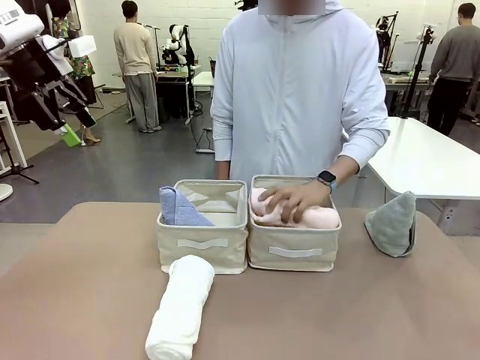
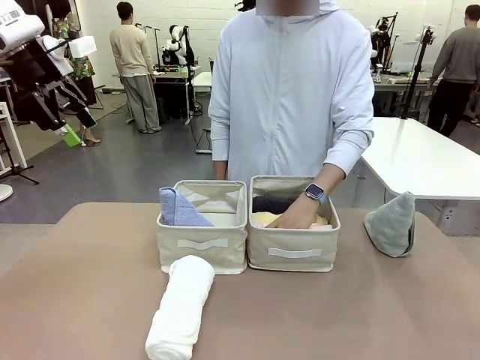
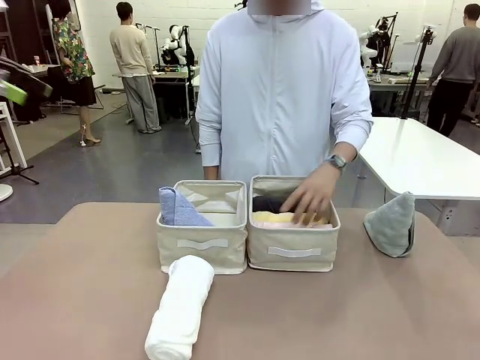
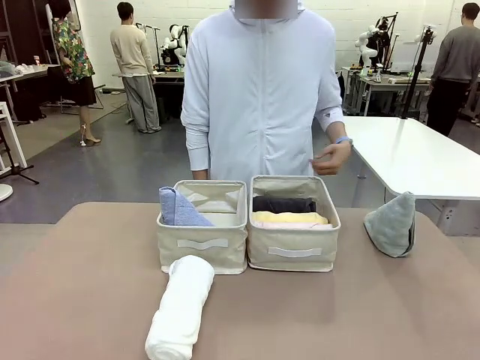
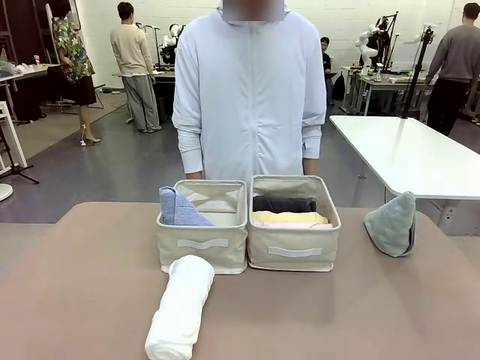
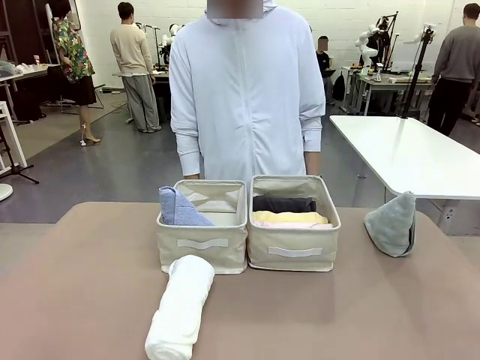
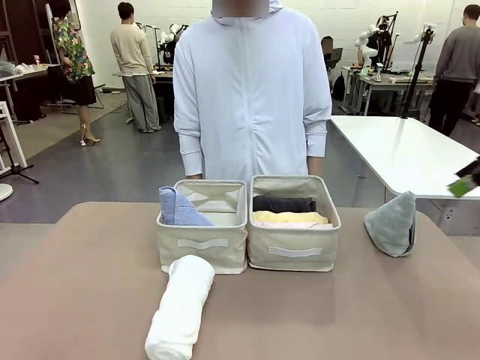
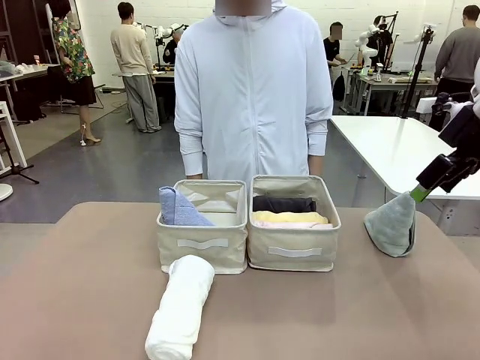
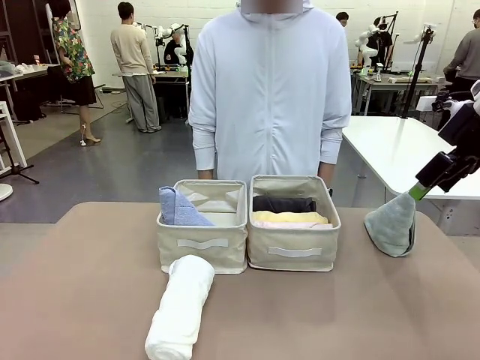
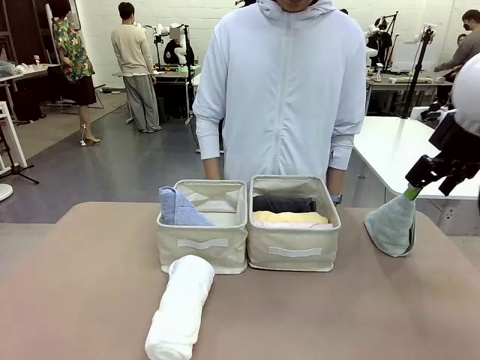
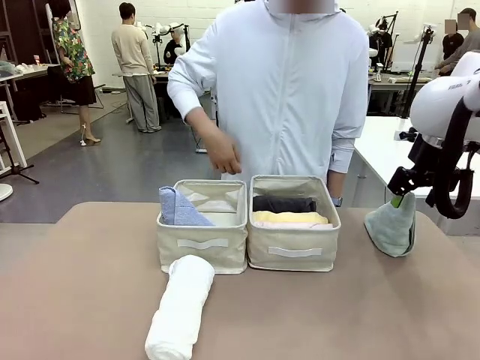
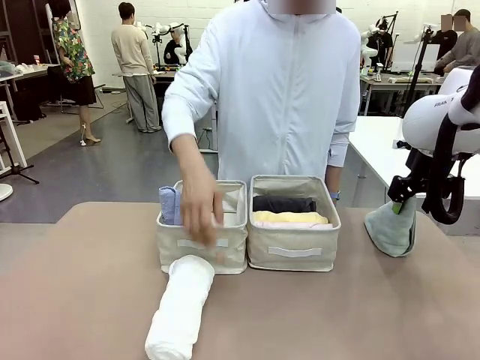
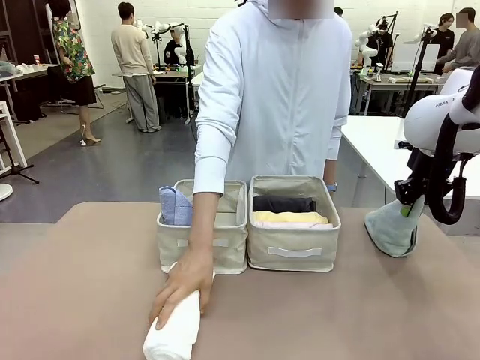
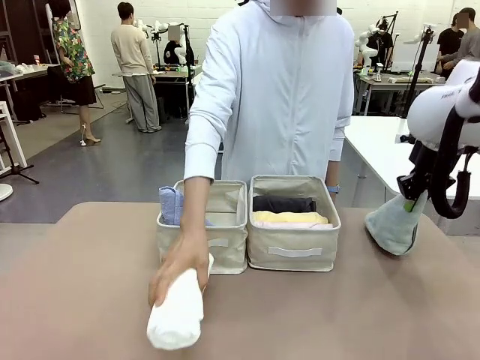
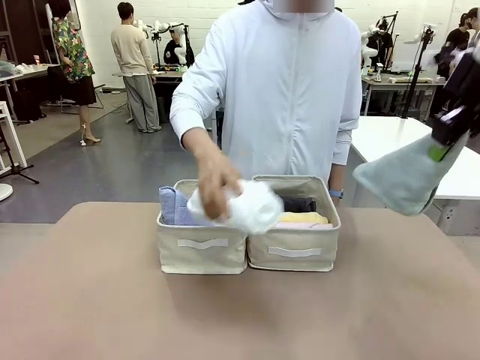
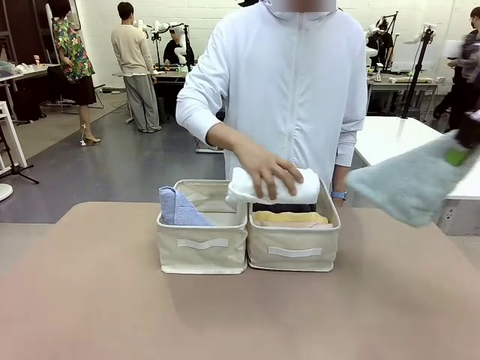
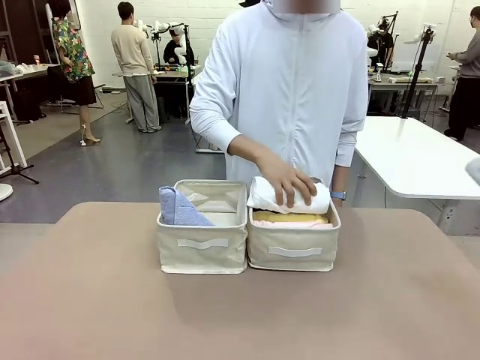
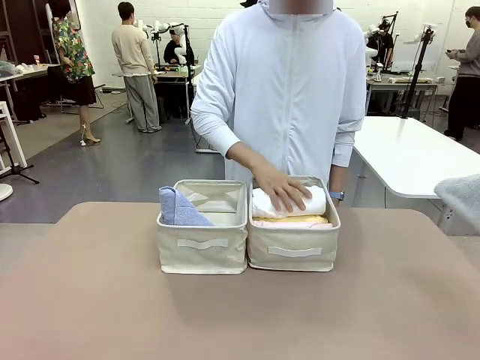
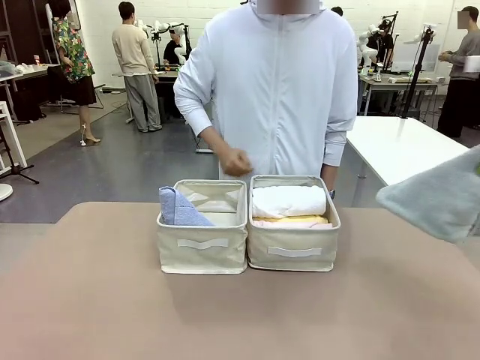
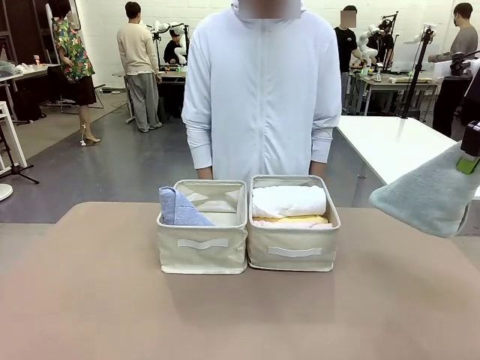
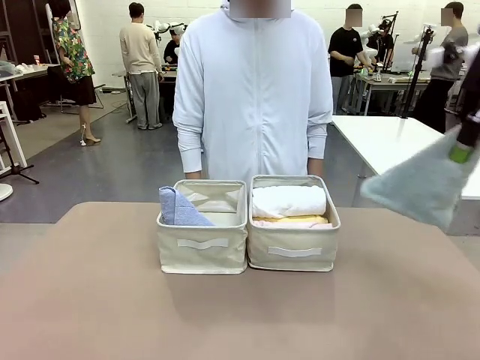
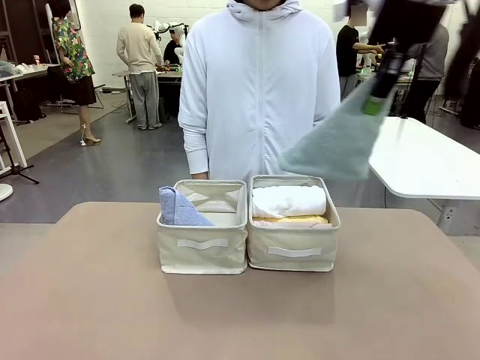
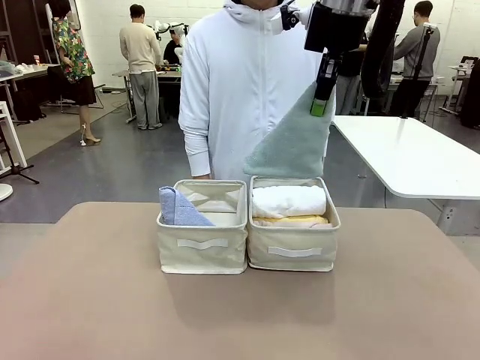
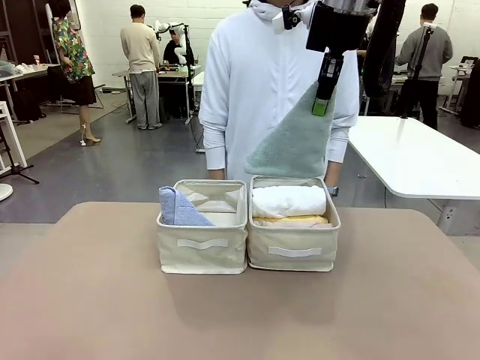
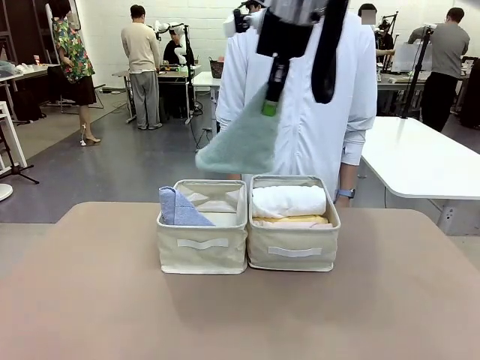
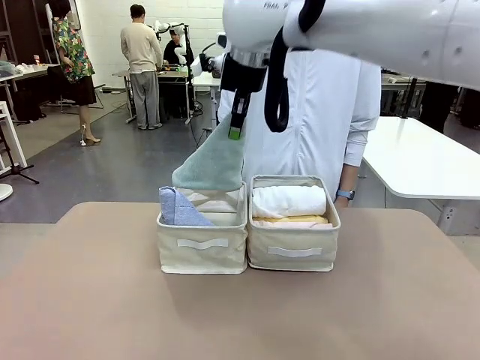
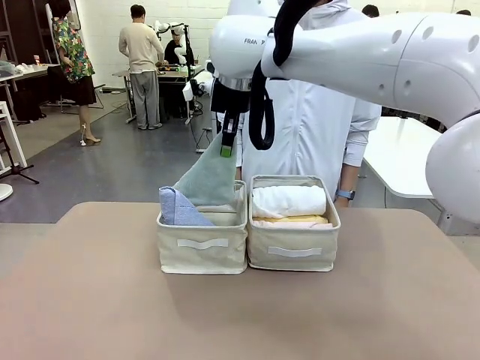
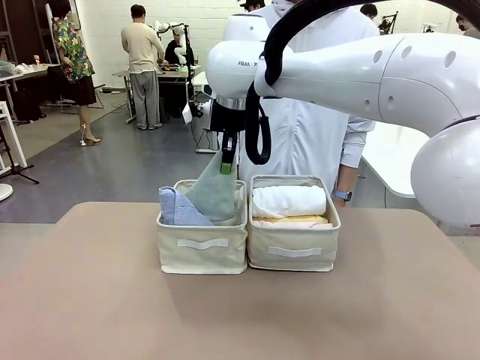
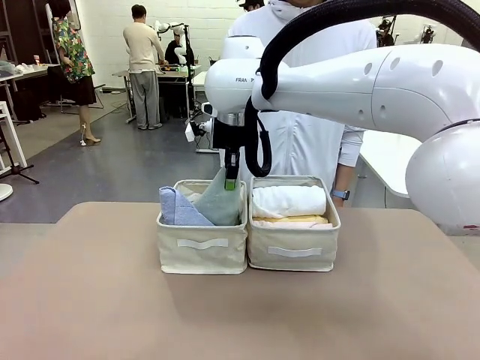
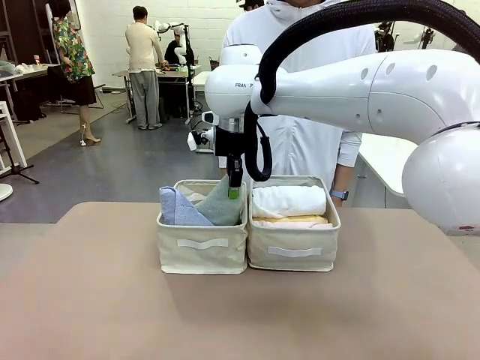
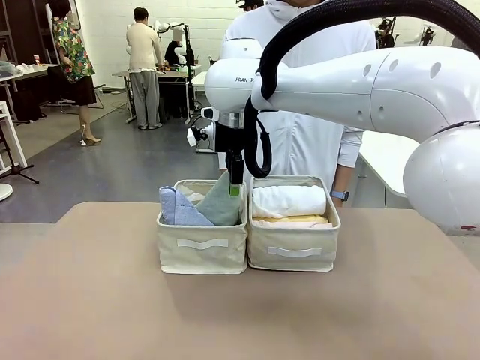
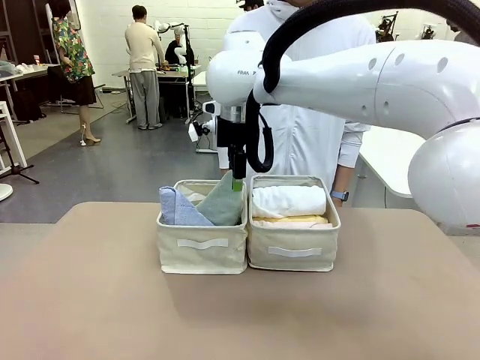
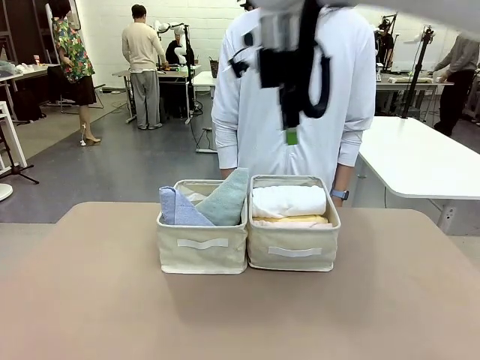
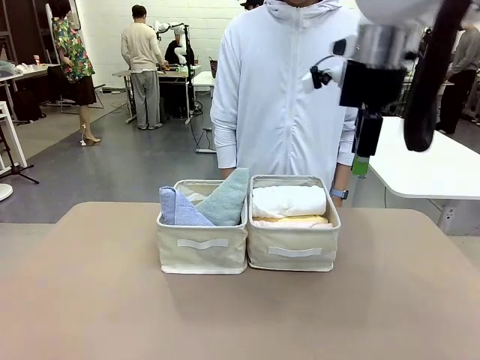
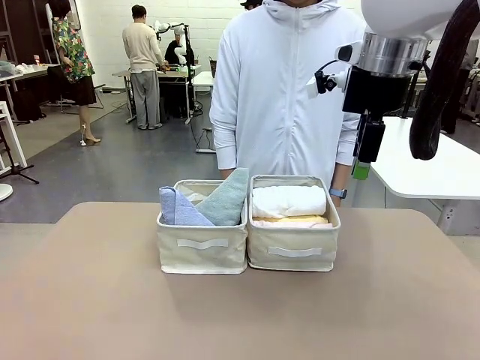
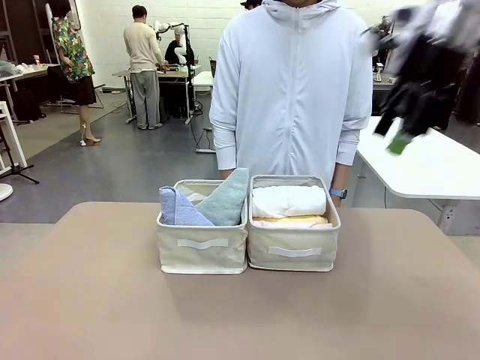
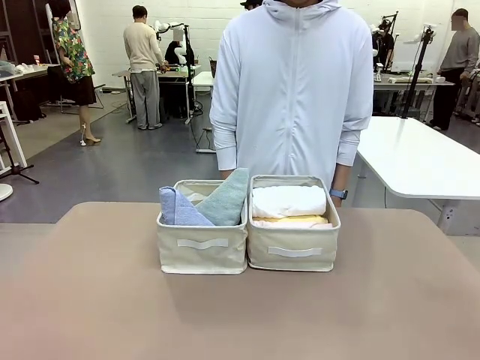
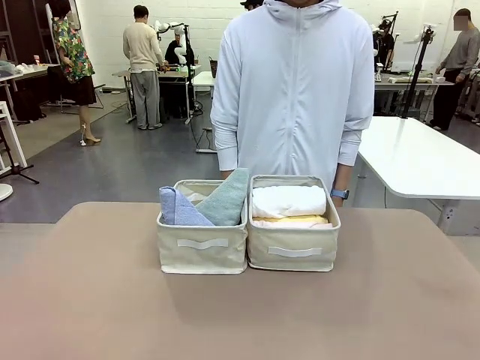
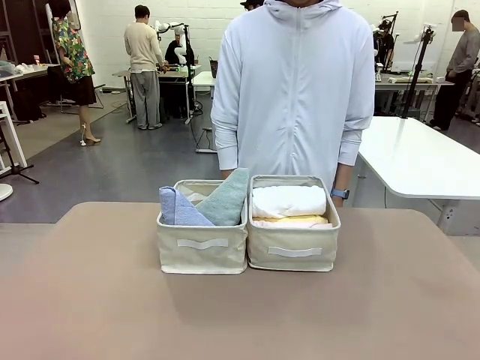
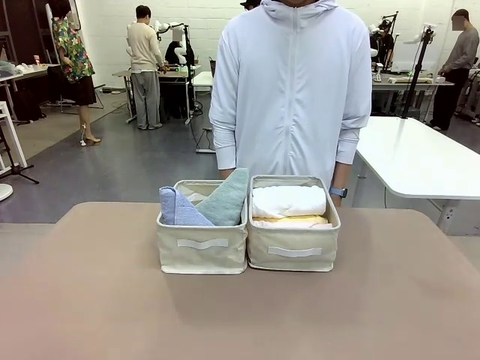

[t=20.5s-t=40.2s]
Task: Sort the towels based on their folding style.
Robot: Pick up another triangle-folded towel from the table and place it in the left Fabric basket.
Person: Pick up one hotel-style rolled towel from the table and place it in the left fabric basket.

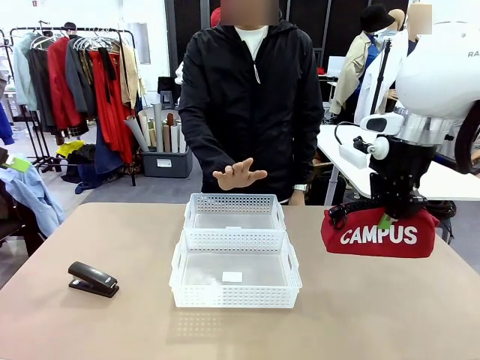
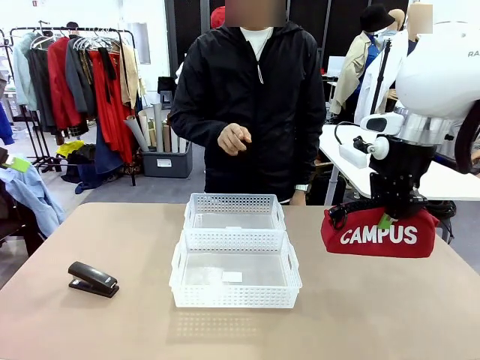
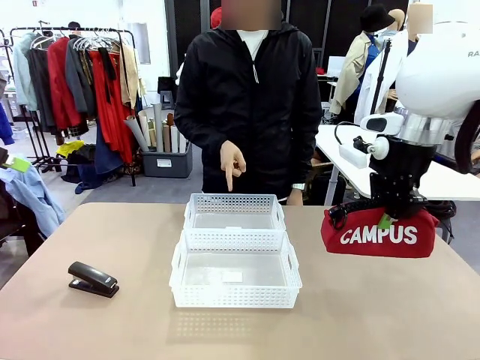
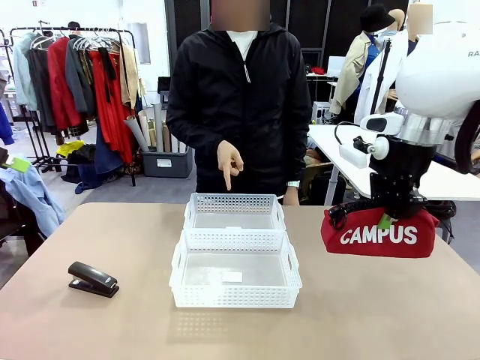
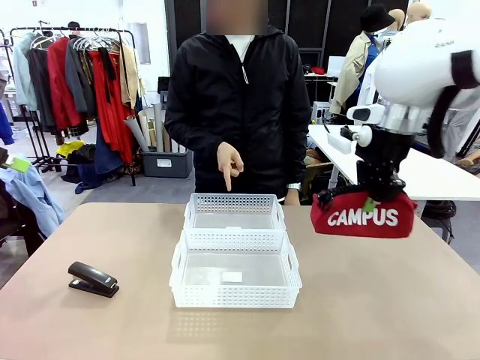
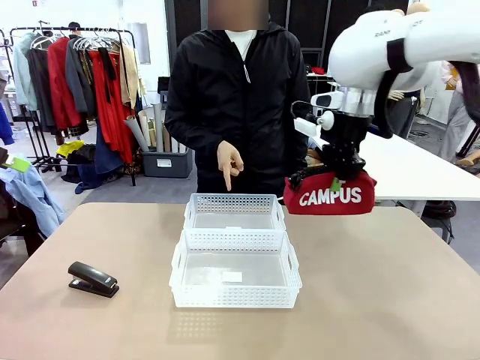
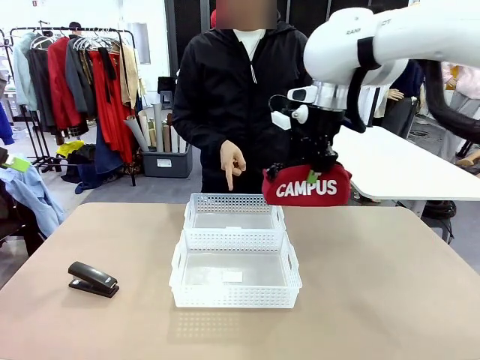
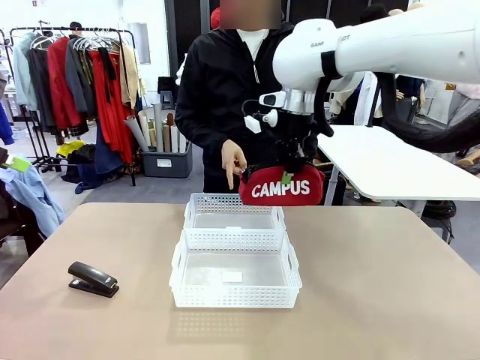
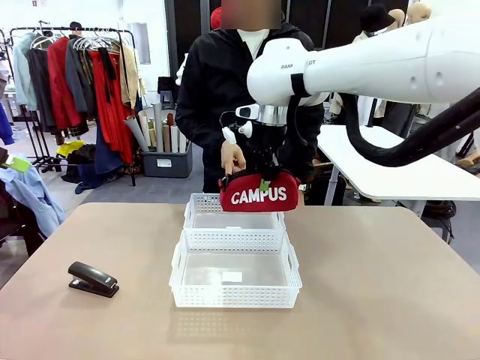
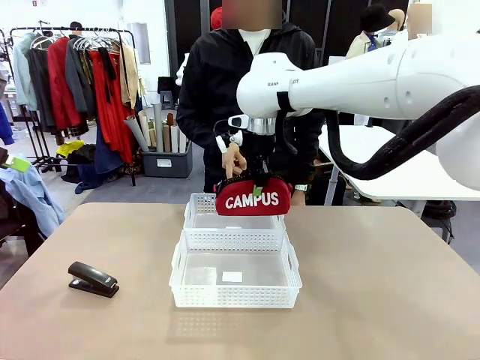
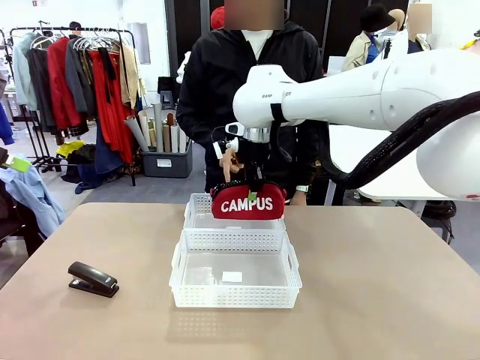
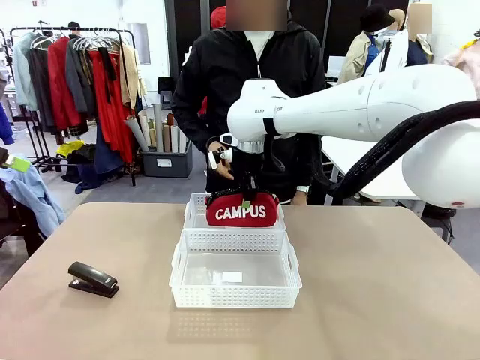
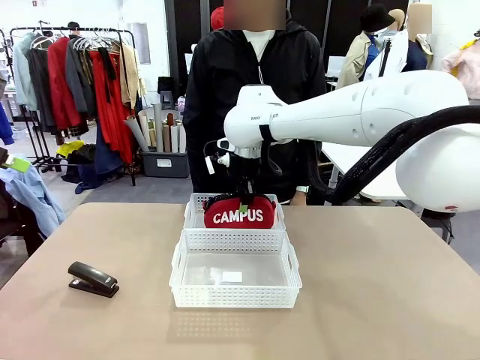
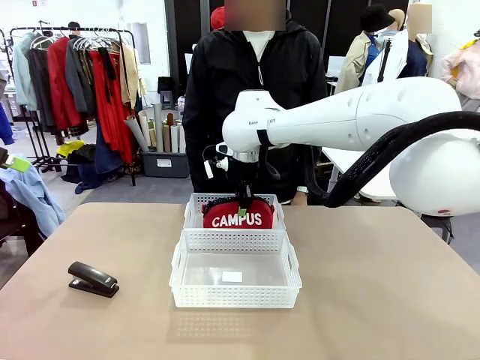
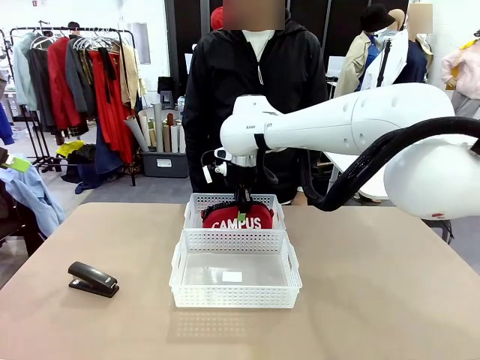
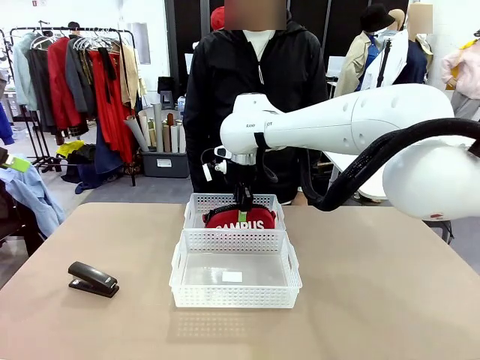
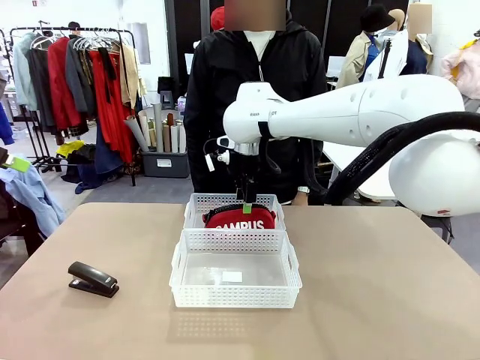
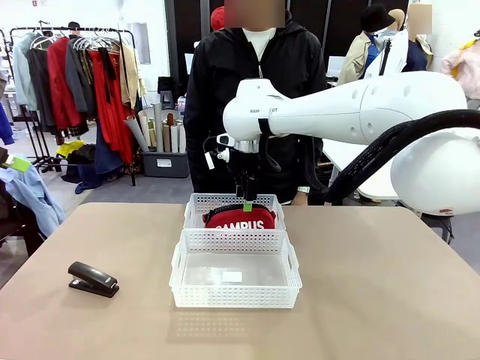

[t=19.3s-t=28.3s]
Task: Distribute items into two baskets.
Robot: Place the picked Pencil pouch into the Organizing basket as instructed by the person.
Person: Instructs the robot to place the pencil case into the opposite basket. Points to the stapler.
